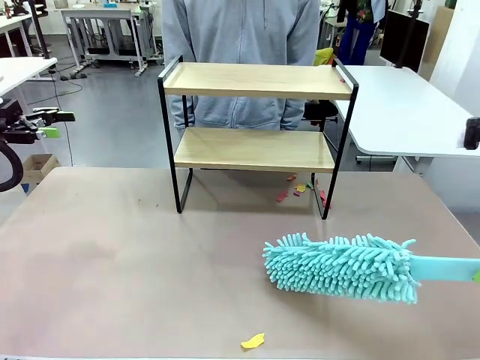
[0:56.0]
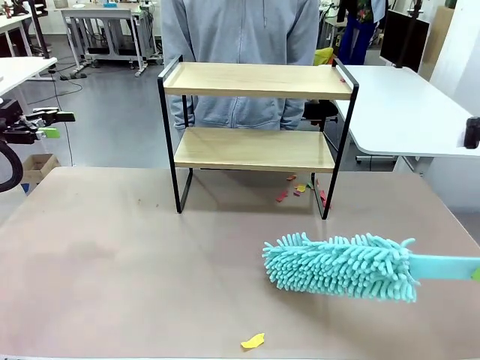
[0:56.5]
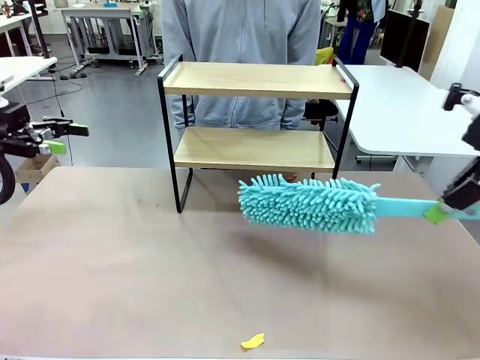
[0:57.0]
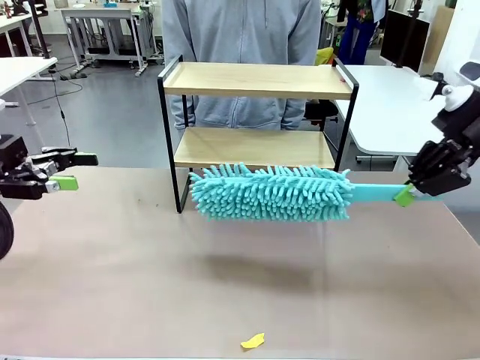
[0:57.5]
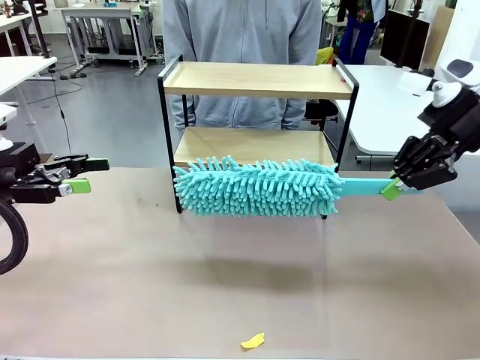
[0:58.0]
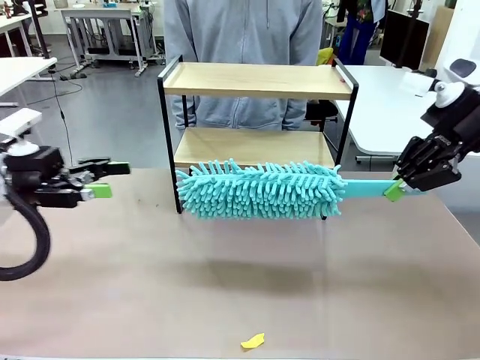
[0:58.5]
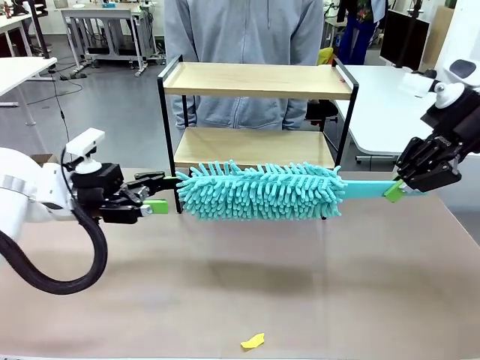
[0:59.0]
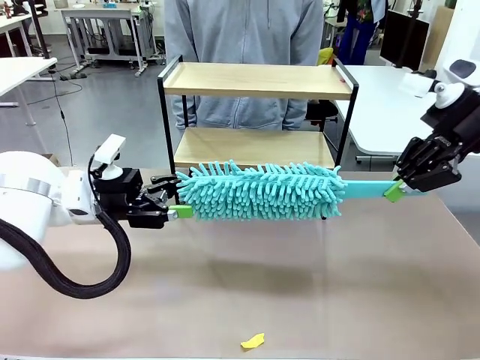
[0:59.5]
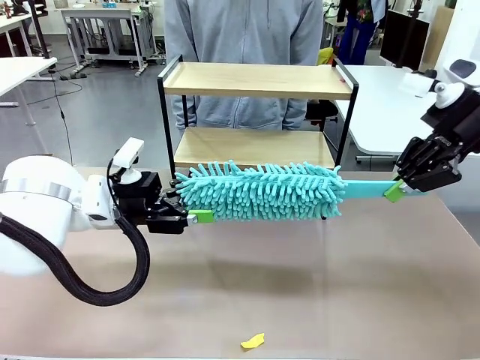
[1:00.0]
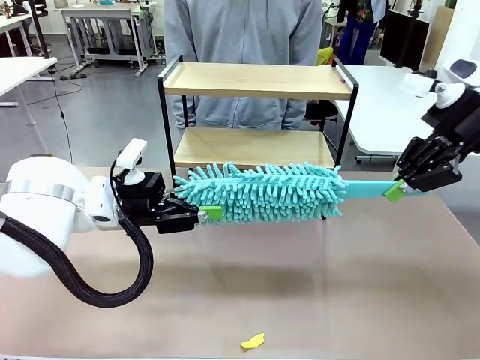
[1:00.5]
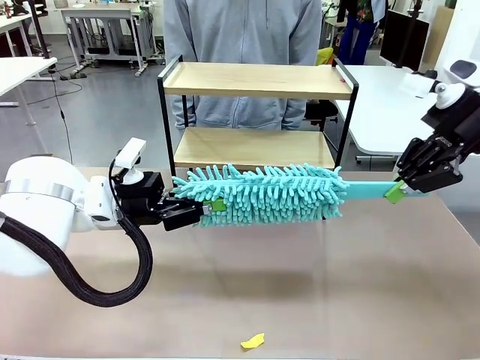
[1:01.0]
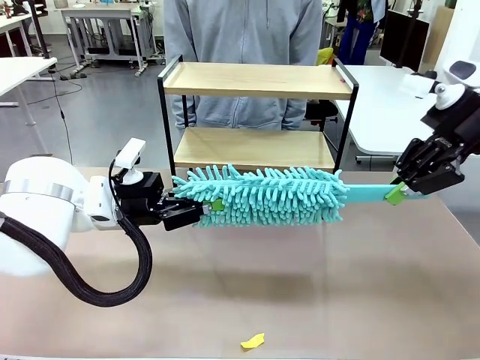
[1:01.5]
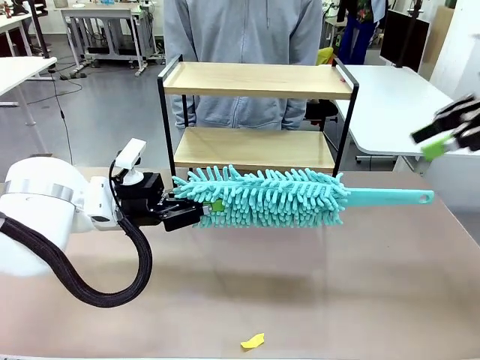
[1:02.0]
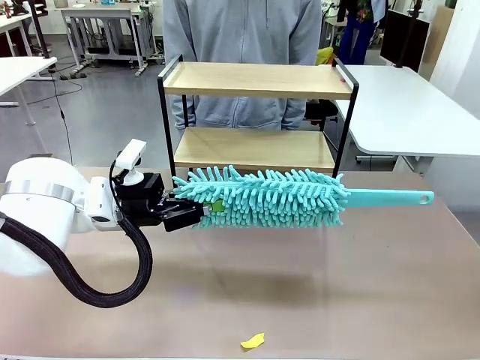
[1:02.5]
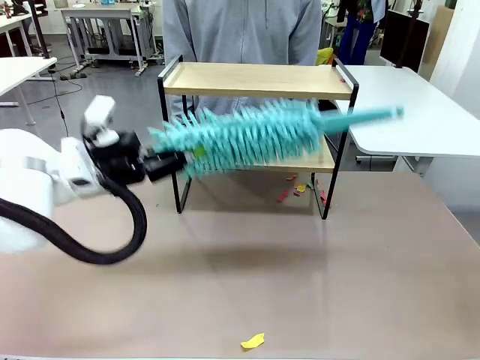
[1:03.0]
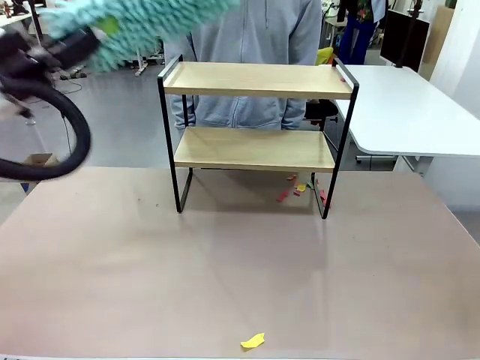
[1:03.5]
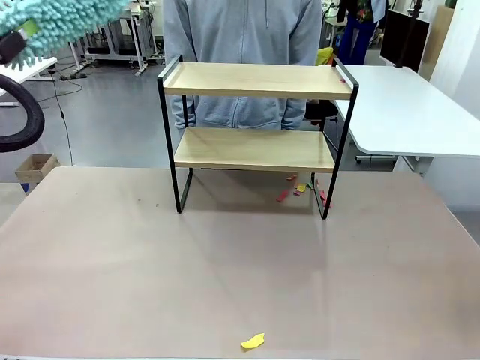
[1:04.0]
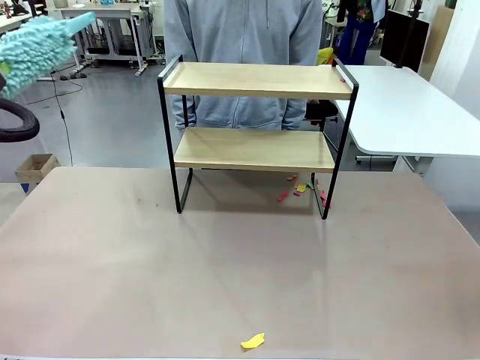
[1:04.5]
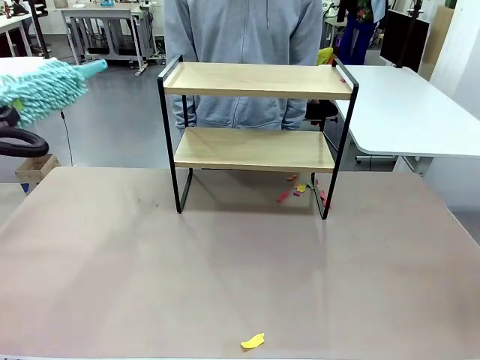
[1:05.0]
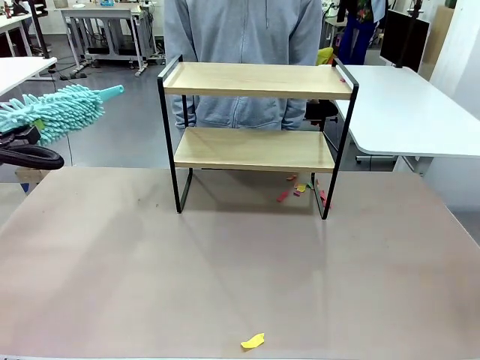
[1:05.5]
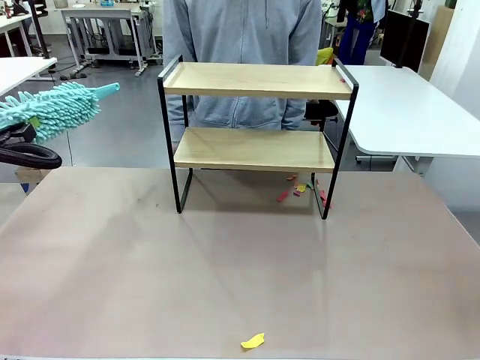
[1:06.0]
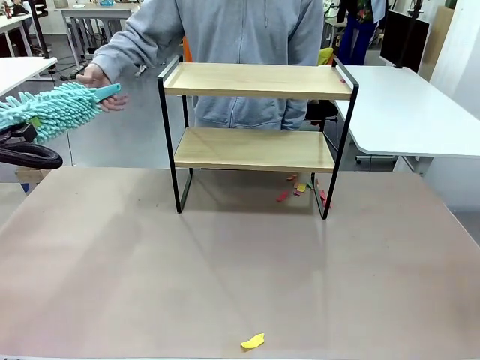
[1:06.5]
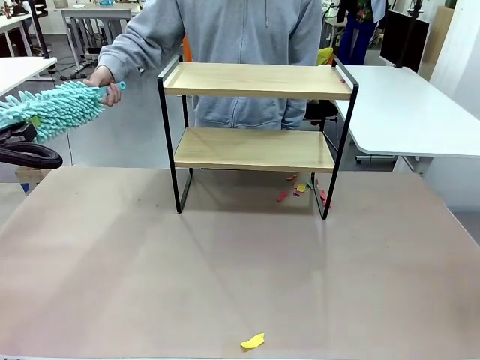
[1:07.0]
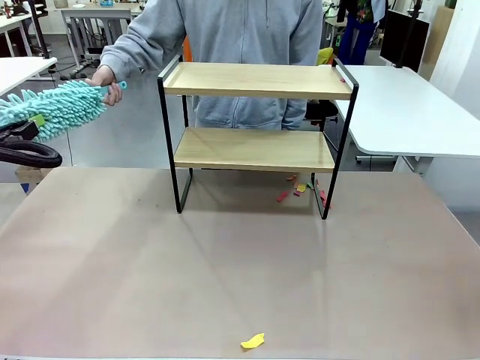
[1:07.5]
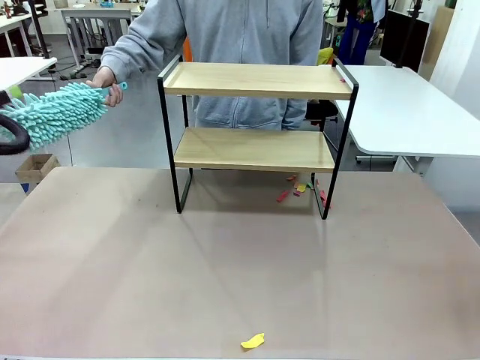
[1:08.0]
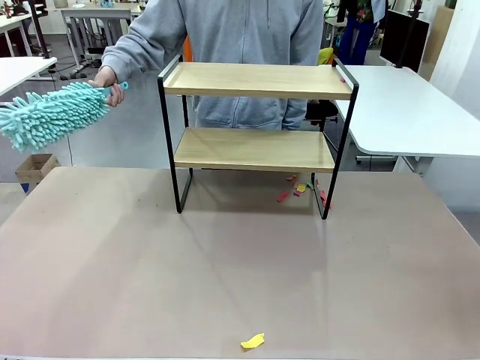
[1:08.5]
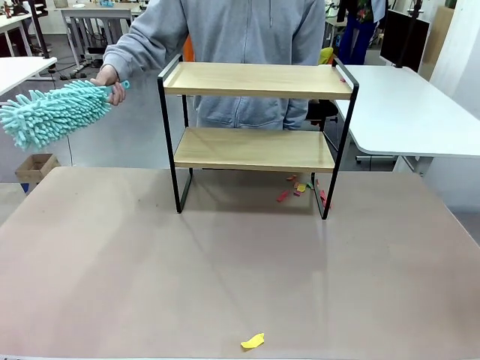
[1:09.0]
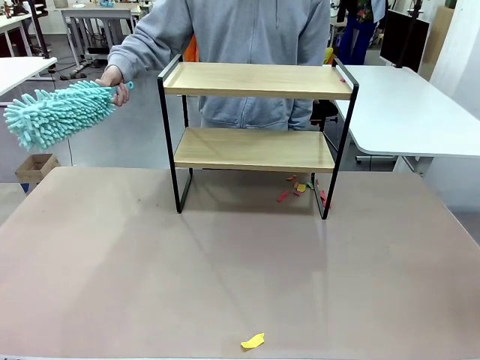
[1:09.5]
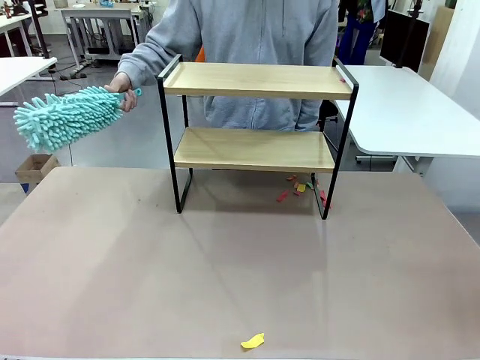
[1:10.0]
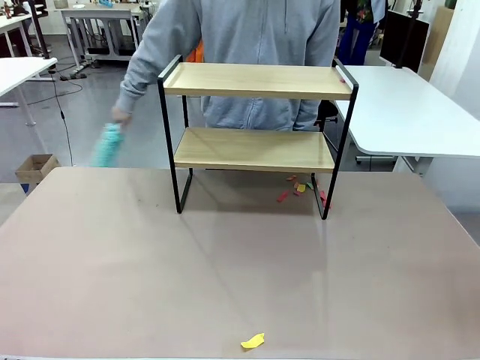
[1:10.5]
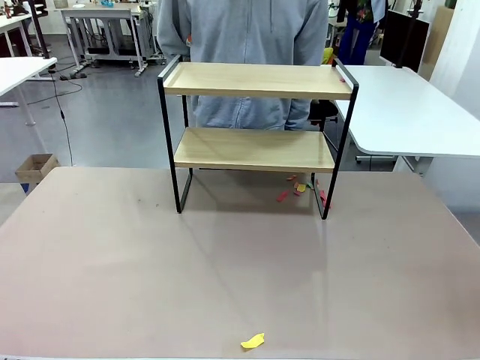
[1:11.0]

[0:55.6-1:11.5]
Task: Clean the shelf.
Robot: Hand the Duster back to the human.
Person: Receive the Duster from the robot.

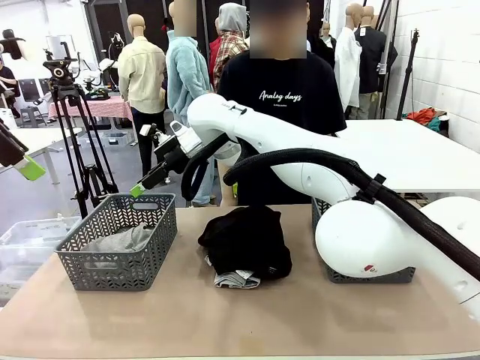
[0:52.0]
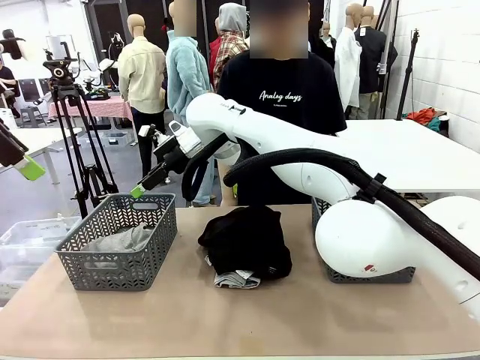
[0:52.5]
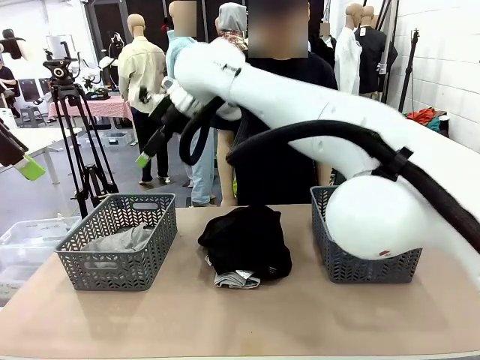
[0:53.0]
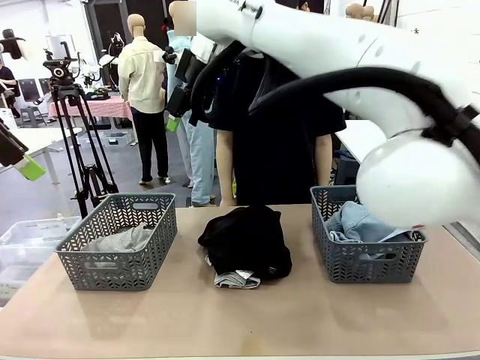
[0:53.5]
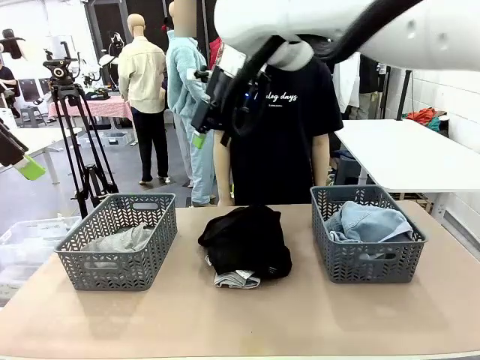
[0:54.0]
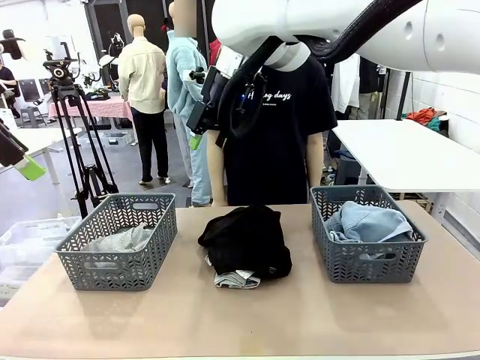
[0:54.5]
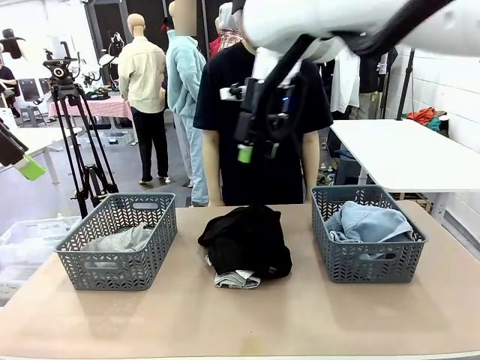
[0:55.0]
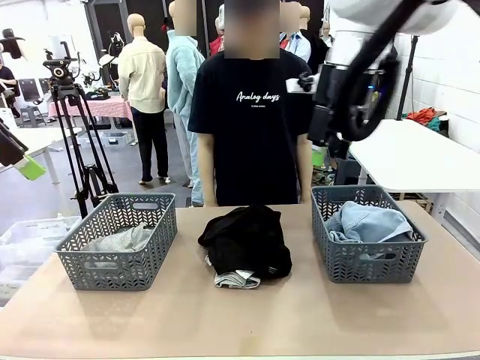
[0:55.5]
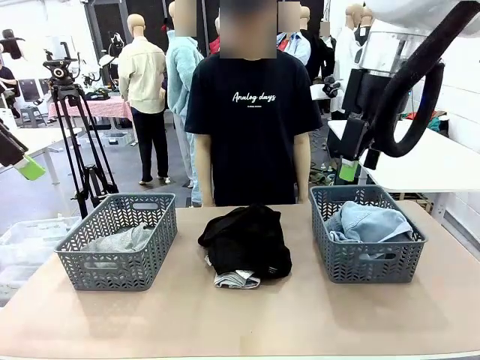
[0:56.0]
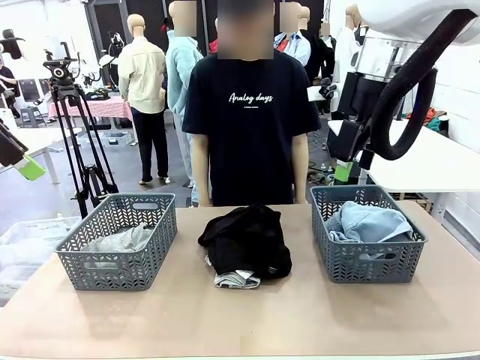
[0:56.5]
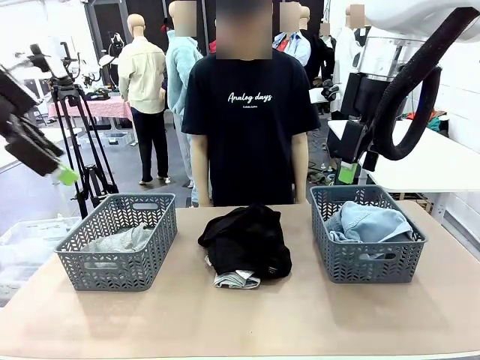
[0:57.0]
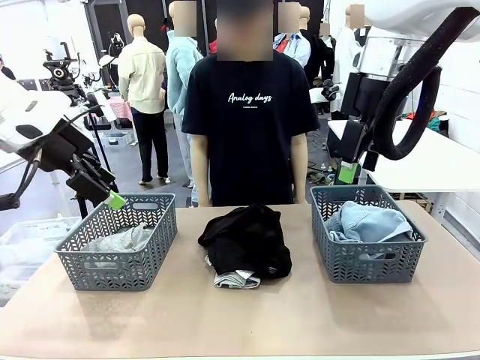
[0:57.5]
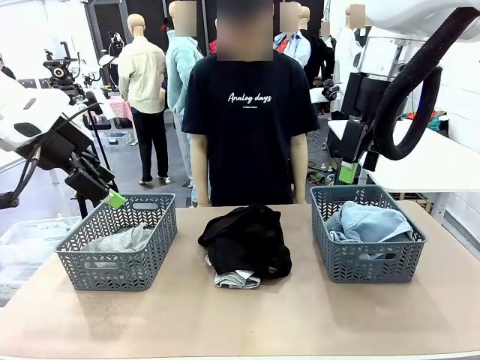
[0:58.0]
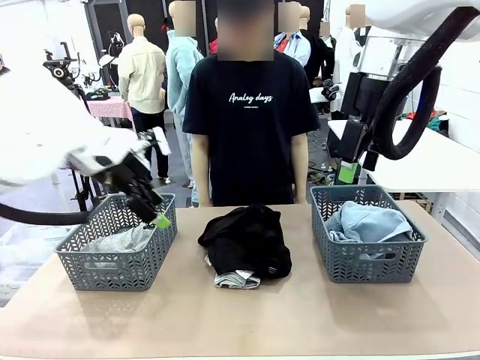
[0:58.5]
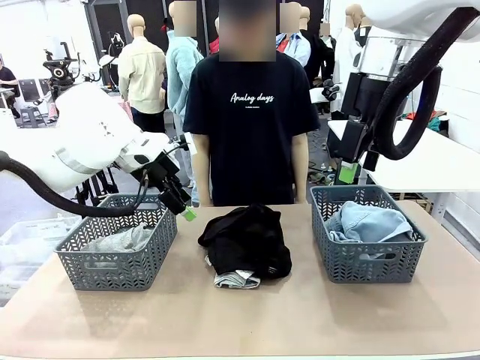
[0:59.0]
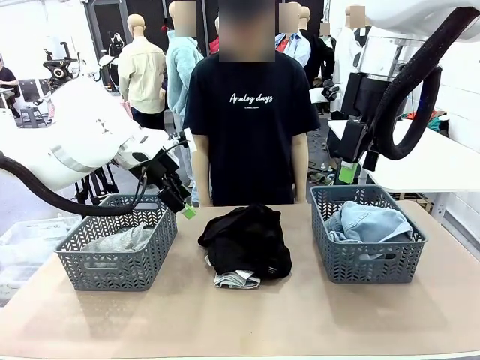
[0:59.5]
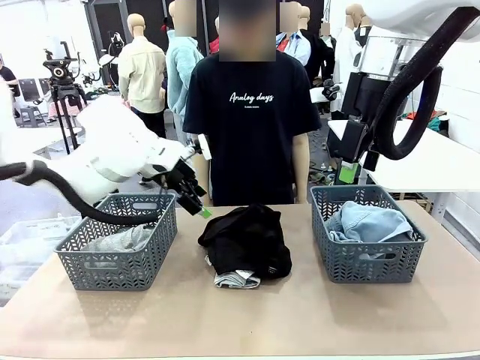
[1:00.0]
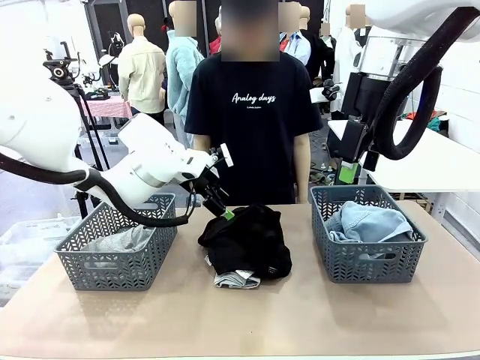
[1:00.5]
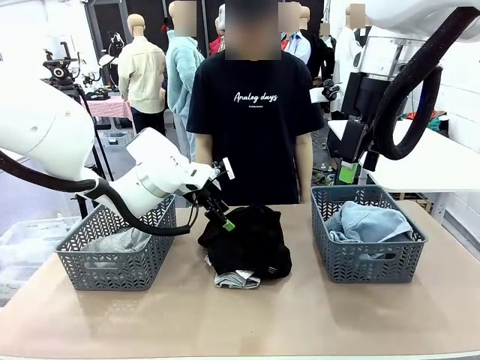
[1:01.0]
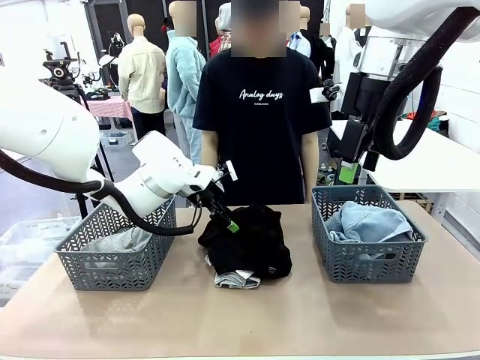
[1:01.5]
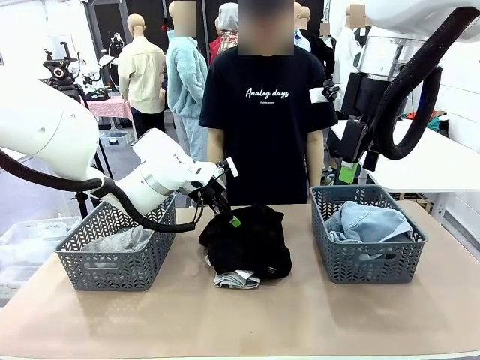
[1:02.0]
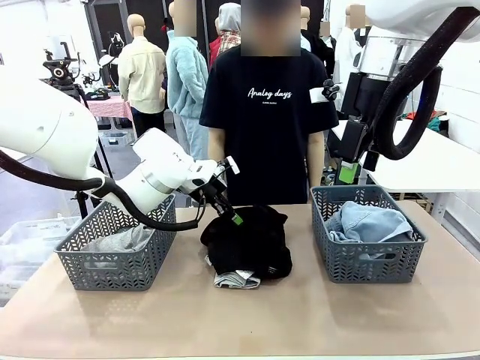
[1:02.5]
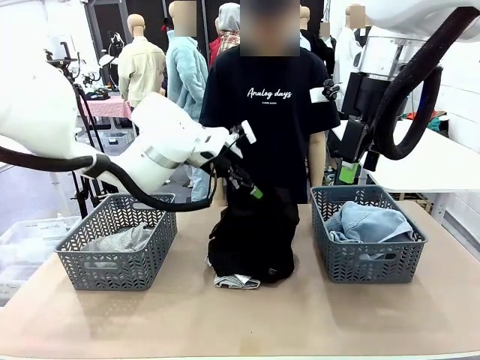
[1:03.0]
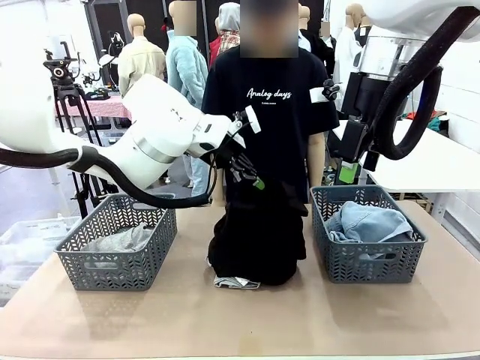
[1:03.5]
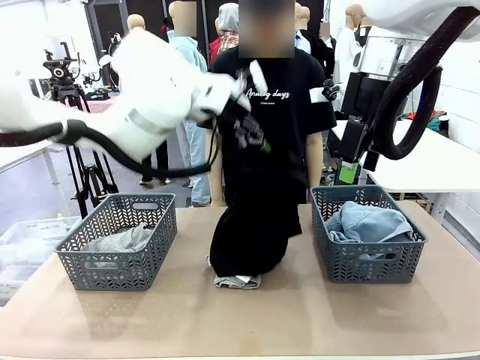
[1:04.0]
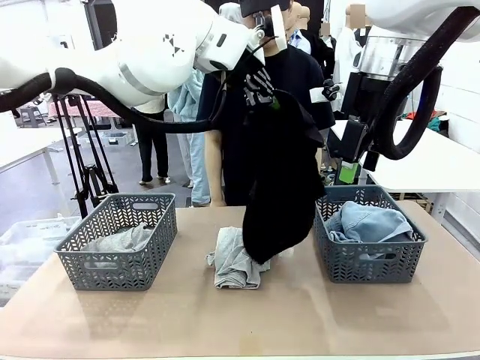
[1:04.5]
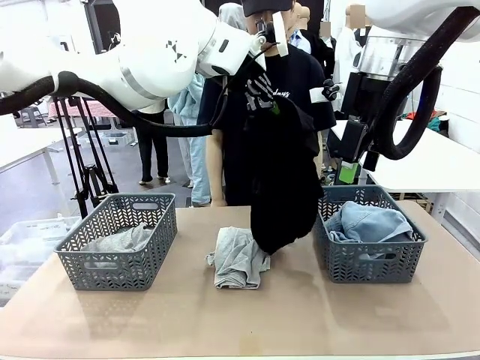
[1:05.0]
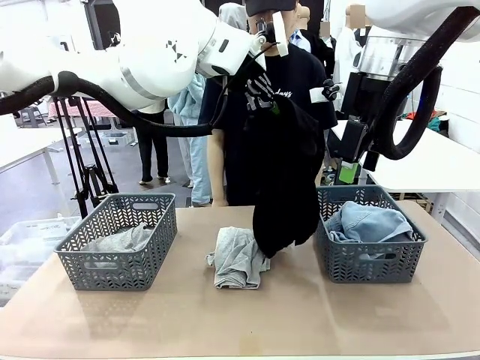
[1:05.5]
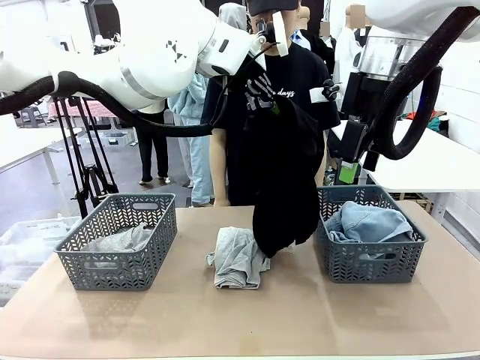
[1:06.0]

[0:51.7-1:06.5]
Task: Sort the tops and bottoms.
Robot: Lift clothes from the center of the table with your left hand.
